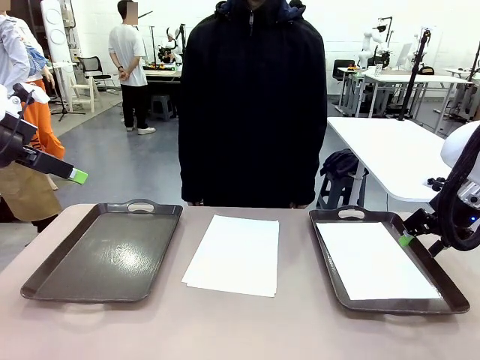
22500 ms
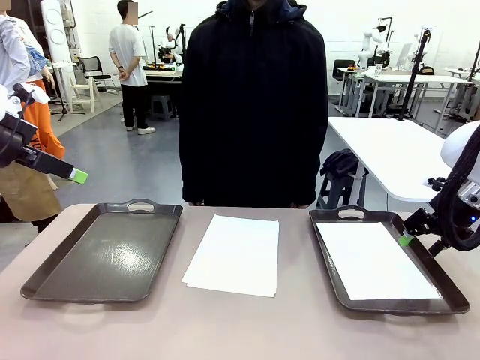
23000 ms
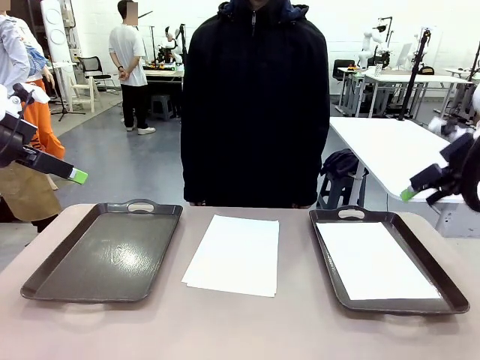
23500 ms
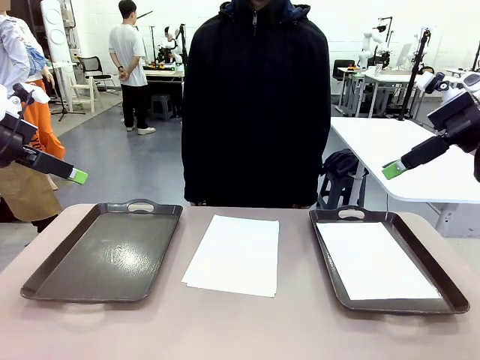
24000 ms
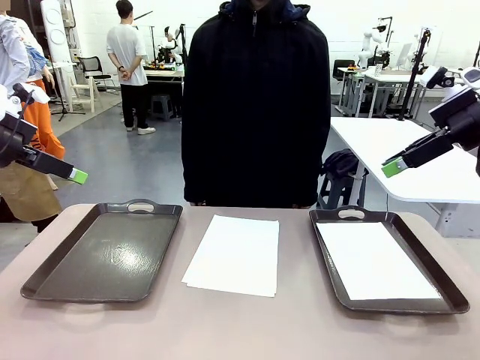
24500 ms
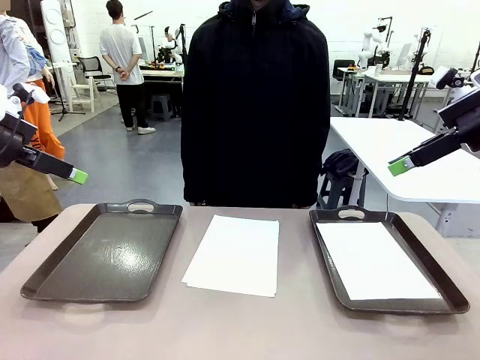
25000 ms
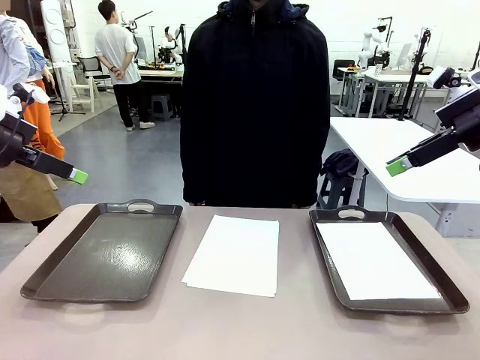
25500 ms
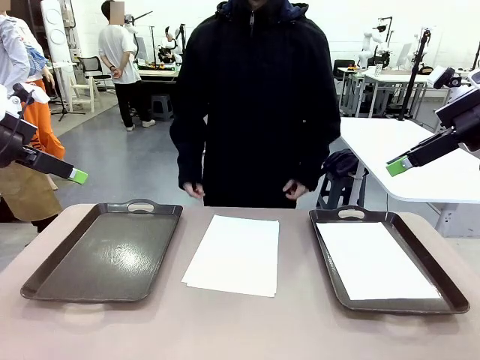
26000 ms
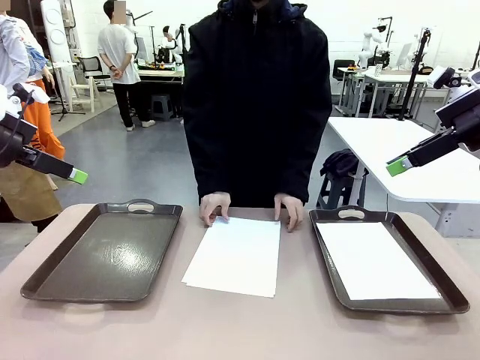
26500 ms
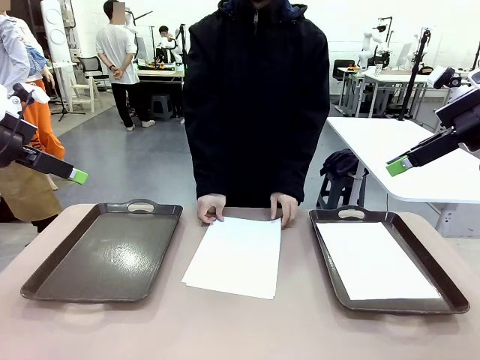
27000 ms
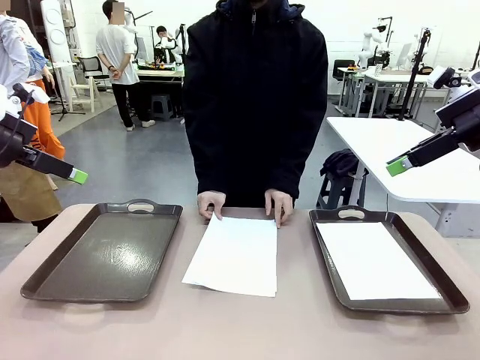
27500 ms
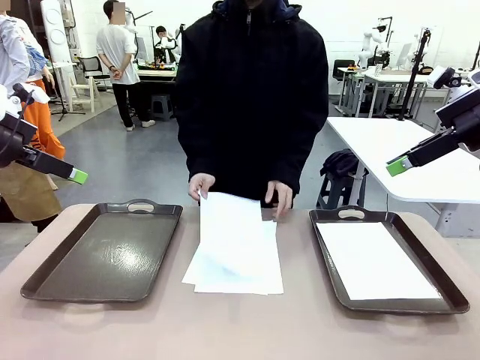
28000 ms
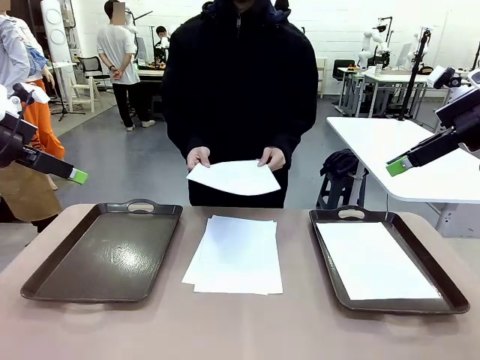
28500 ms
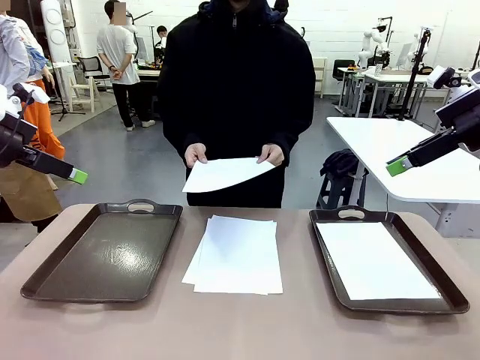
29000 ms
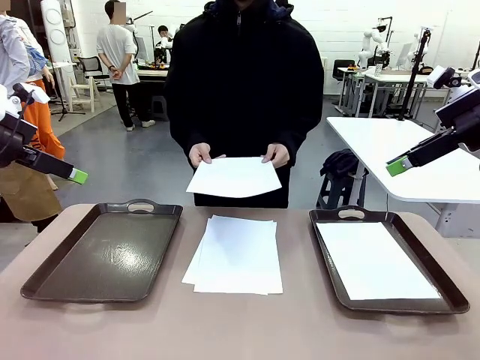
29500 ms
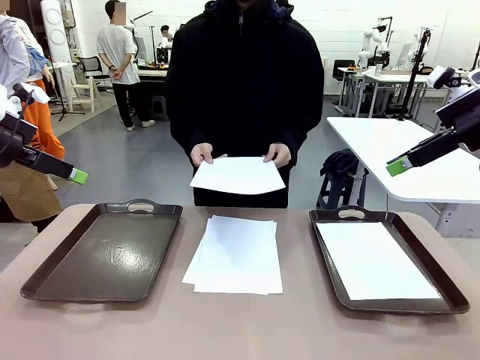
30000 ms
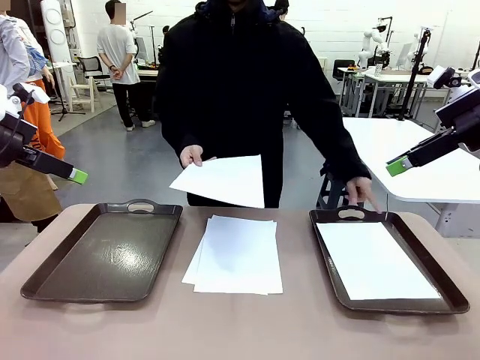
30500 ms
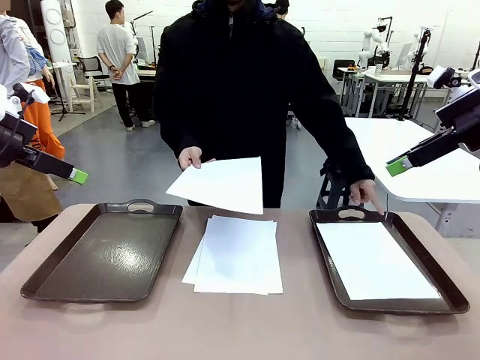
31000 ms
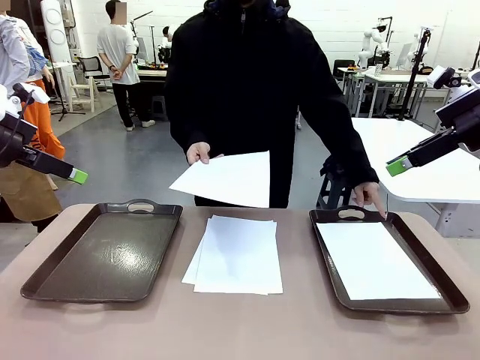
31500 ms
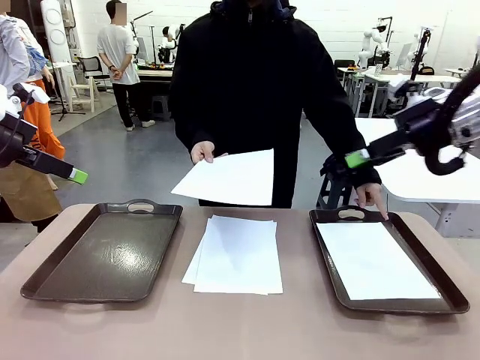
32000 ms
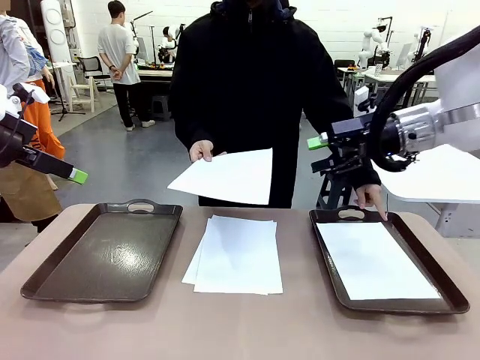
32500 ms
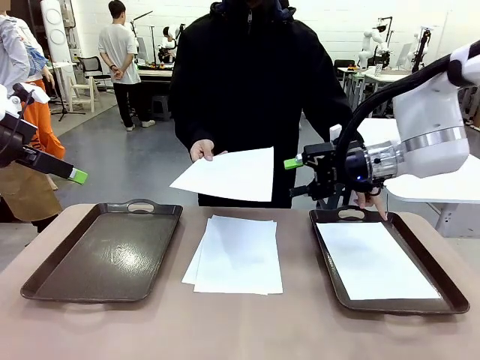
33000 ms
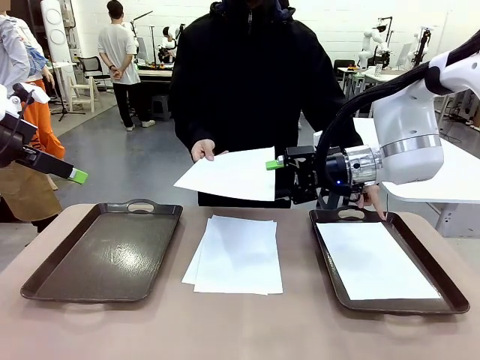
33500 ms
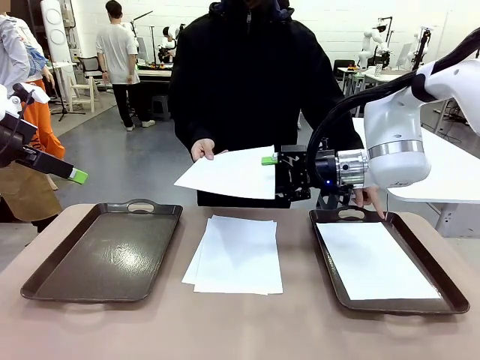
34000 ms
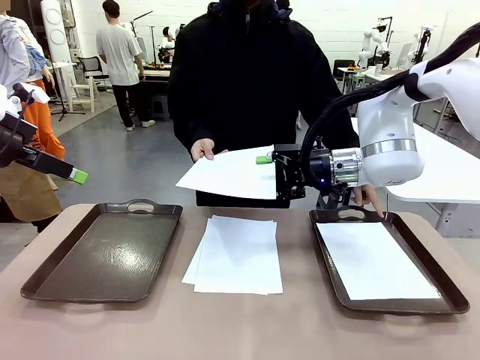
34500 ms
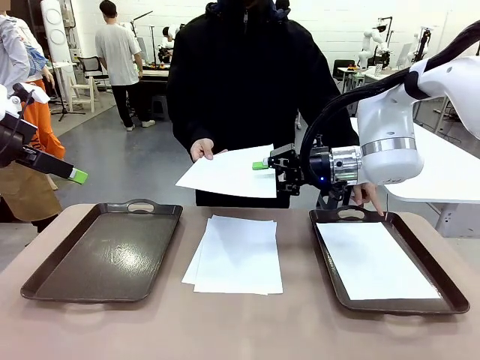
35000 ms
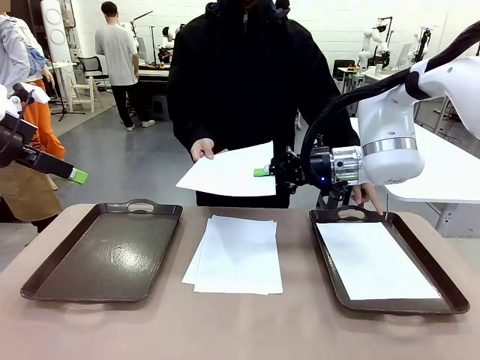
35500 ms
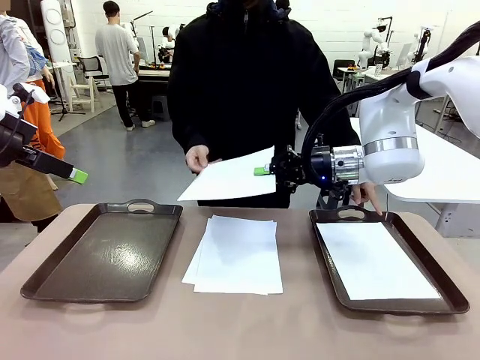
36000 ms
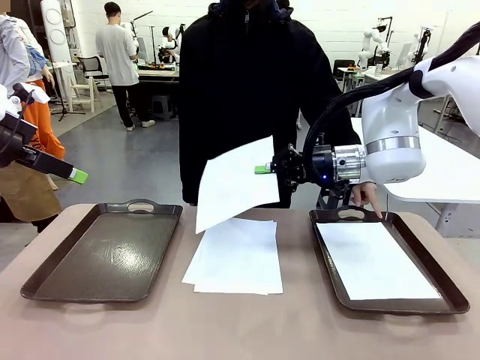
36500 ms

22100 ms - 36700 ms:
Task: Sort the A4 documents.
Robot: Receive the A4 Paper.
Person: Point the randomly selected tray with the other hand.

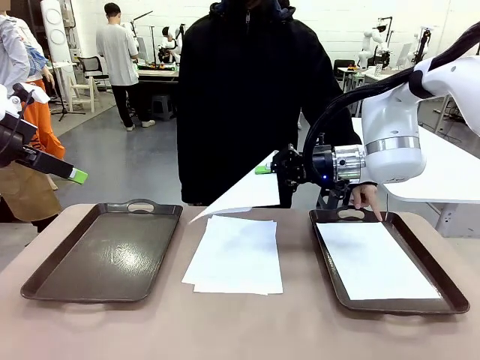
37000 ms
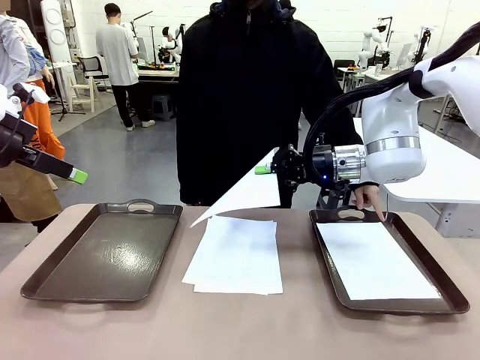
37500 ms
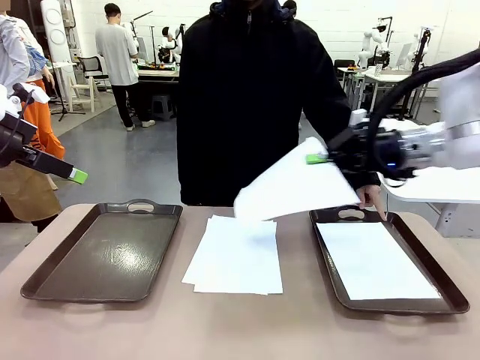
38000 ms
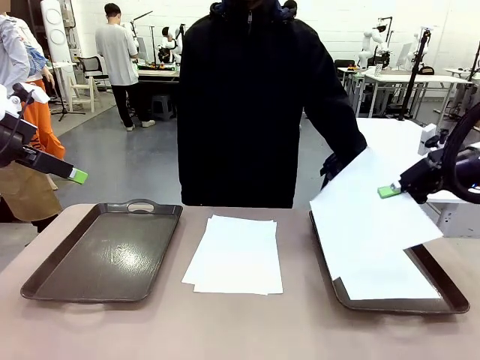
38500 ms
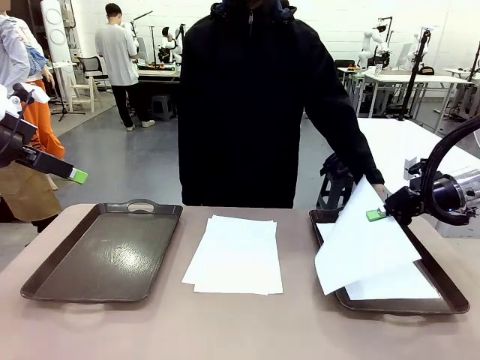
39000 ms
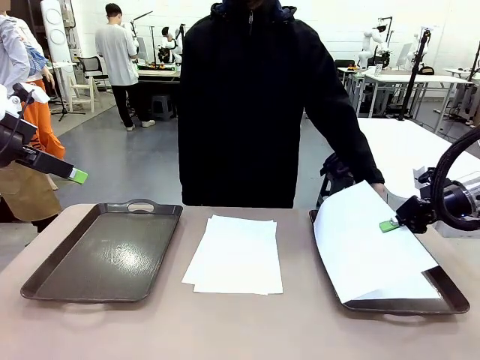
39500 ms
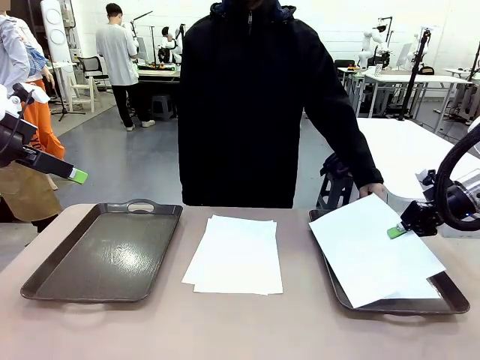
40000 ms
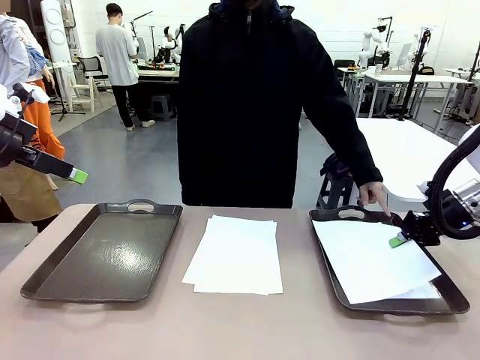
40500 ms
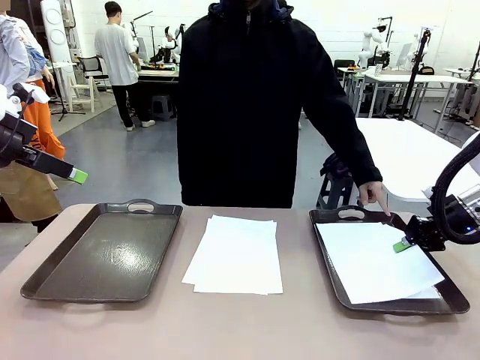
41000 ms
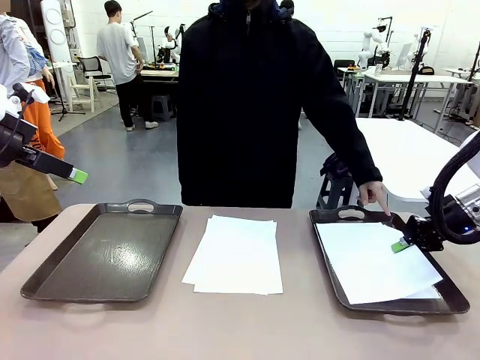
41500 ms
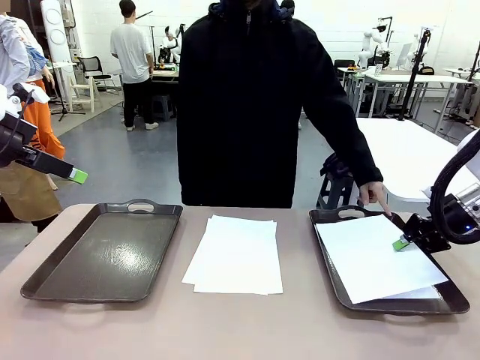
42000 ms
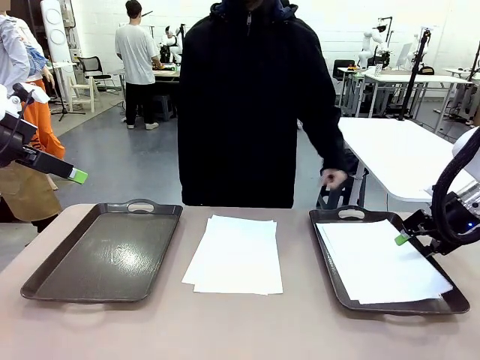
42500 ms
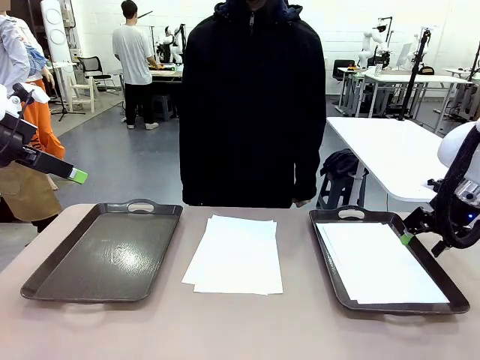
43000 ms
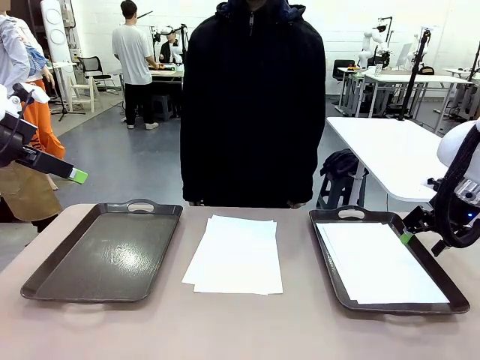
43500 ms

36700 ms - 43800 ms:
Robot: Place the A4 Paper in the designated Handle tray.

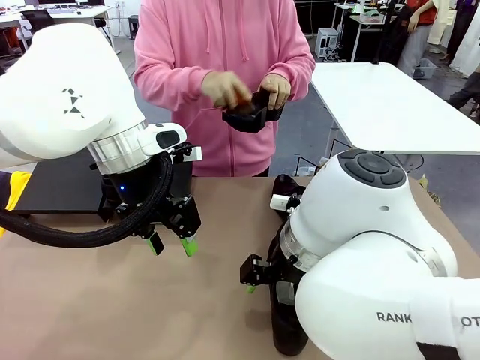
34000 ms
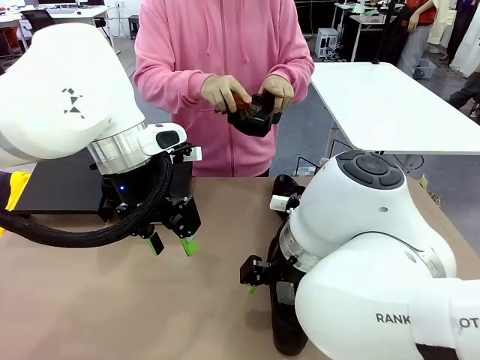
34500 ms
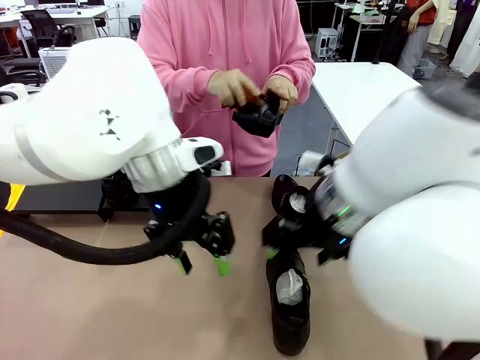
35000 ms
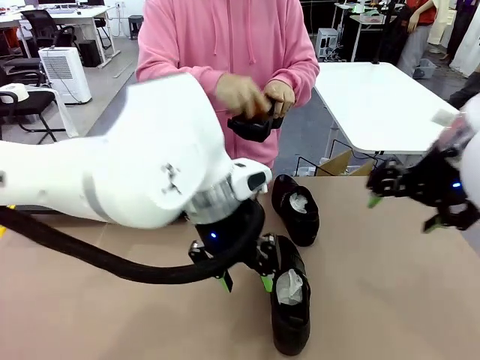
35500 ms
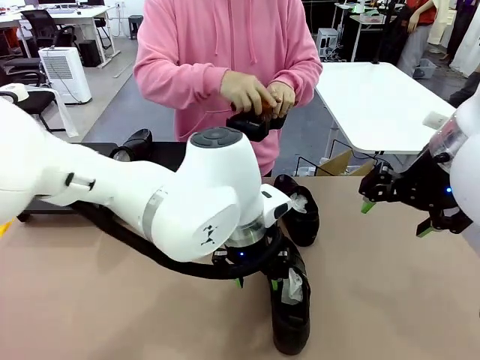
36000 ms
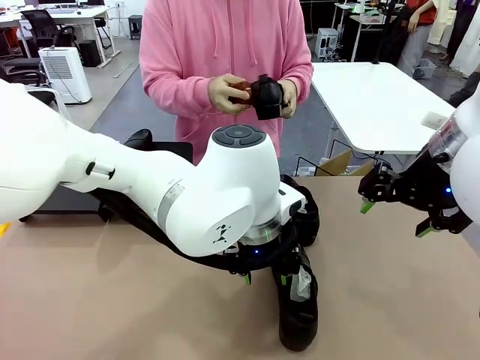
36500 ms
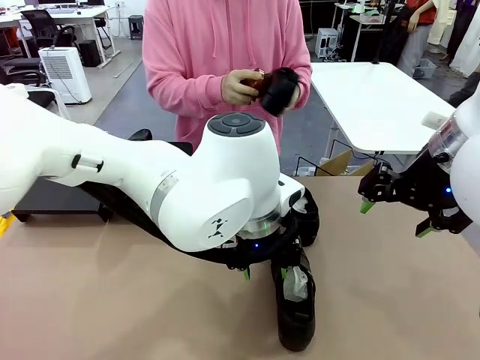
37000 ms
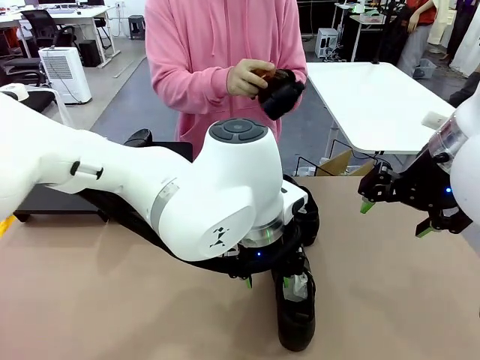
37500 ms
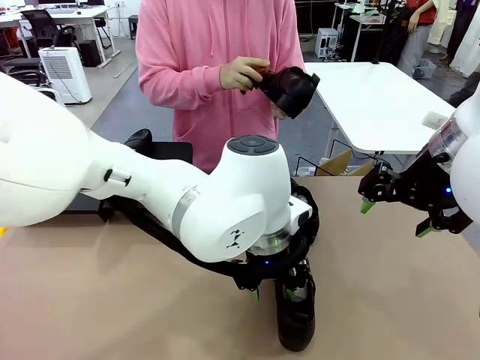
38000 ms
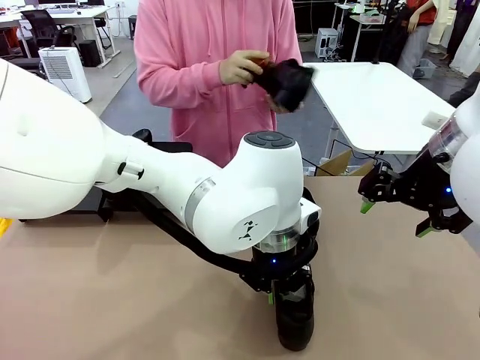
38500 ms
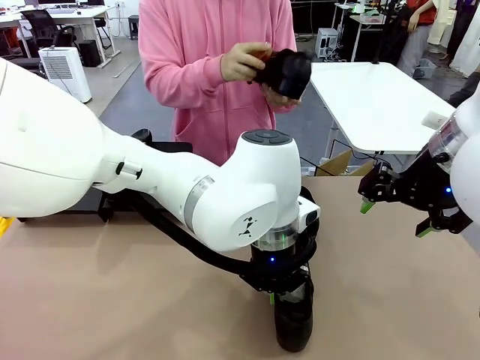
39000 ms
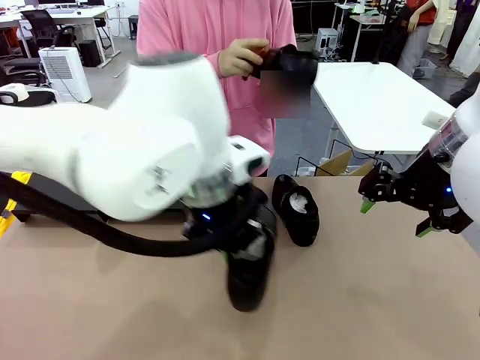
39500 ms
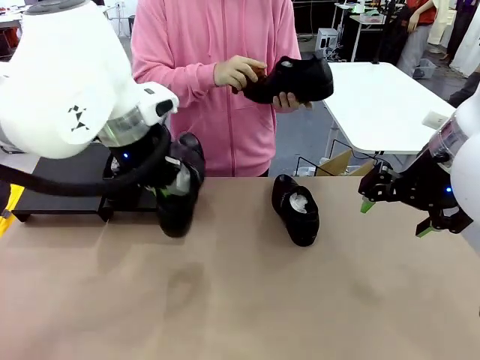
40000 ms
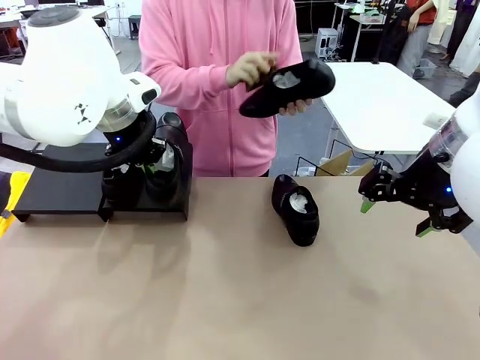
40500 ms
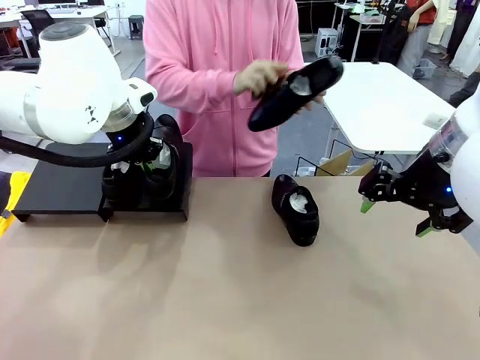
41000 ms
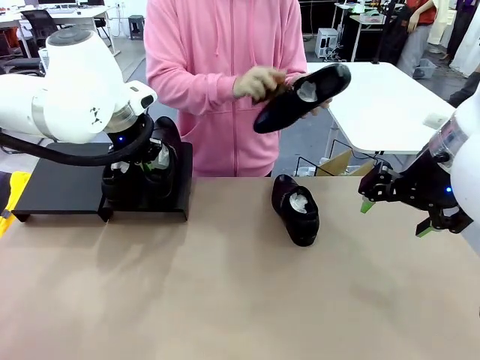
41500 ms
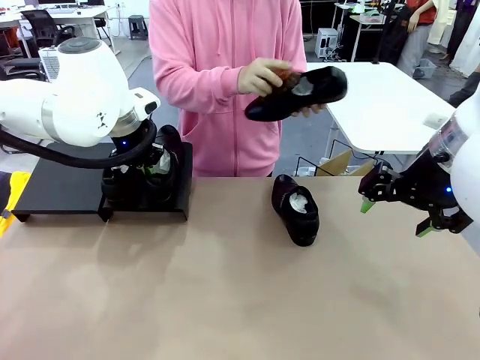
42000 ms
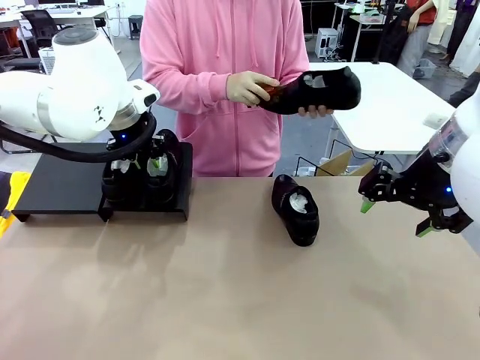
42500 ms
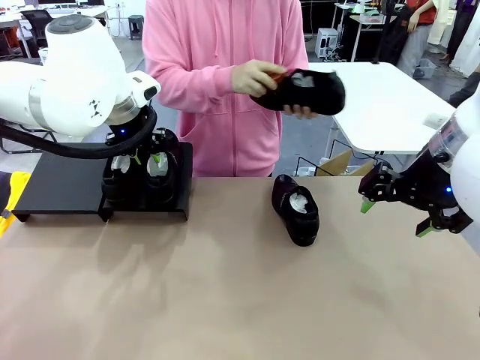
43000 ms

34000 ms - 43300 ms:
Task: Organize the shoes by placing them on the stand.
Robot: Place the Shoe from the middle of the table onto the Shoes Stand.
